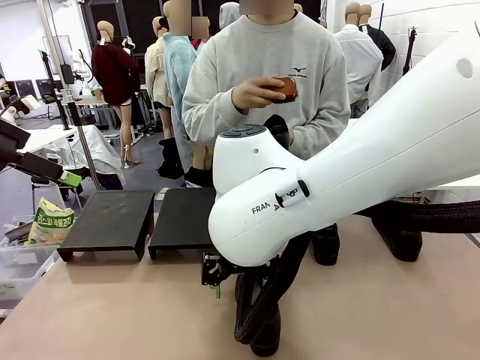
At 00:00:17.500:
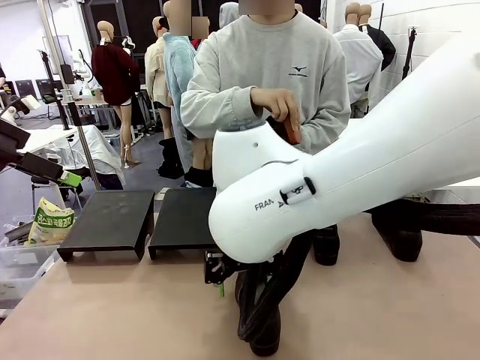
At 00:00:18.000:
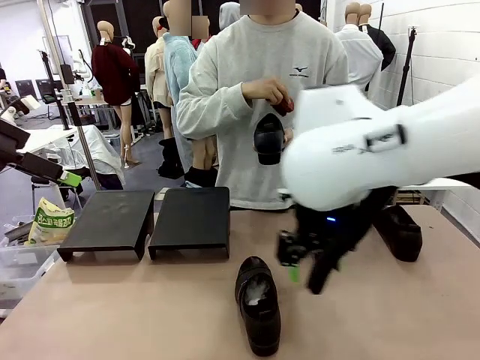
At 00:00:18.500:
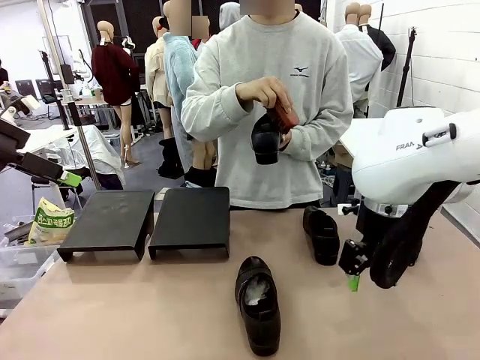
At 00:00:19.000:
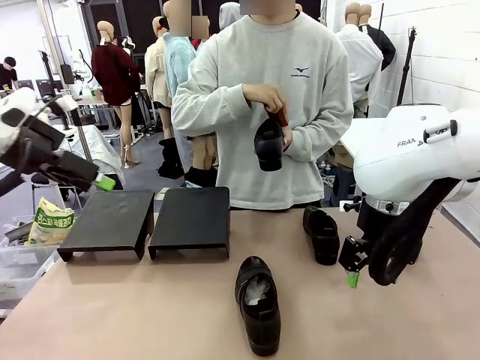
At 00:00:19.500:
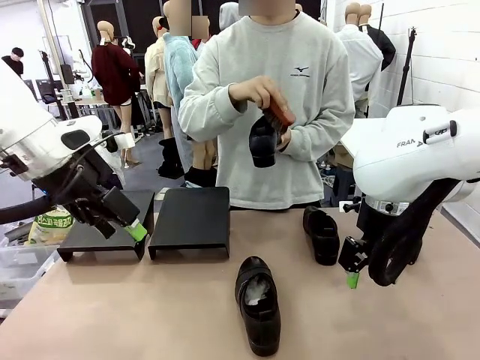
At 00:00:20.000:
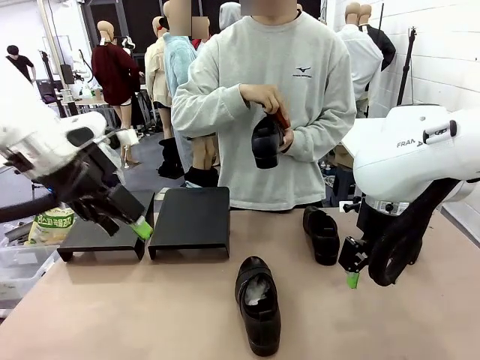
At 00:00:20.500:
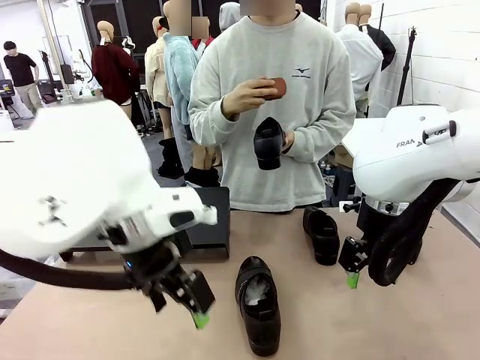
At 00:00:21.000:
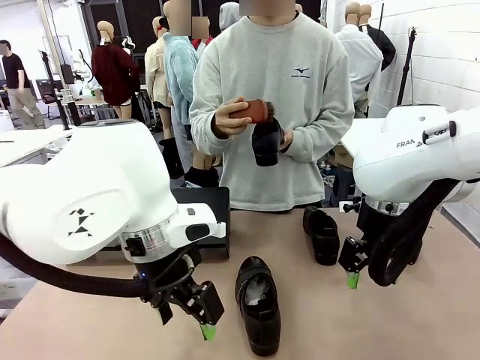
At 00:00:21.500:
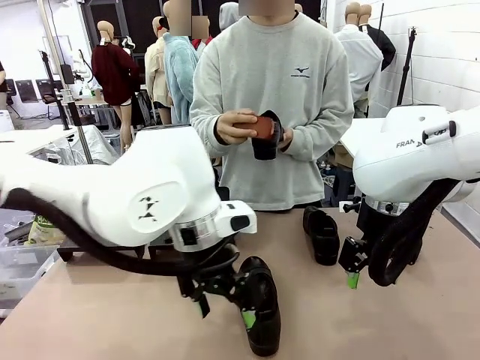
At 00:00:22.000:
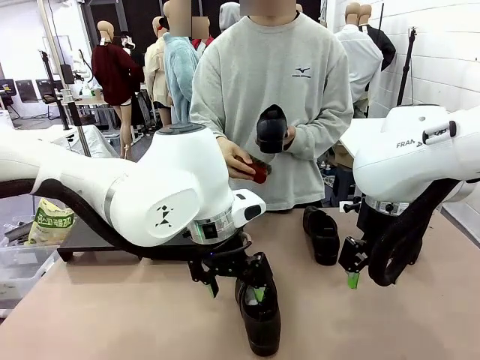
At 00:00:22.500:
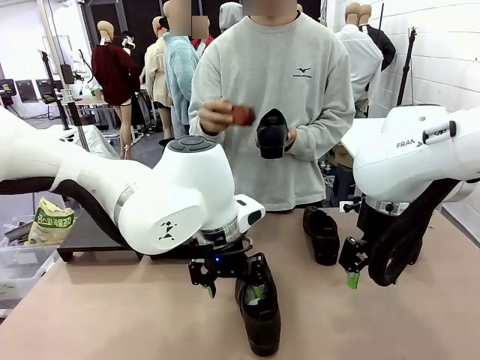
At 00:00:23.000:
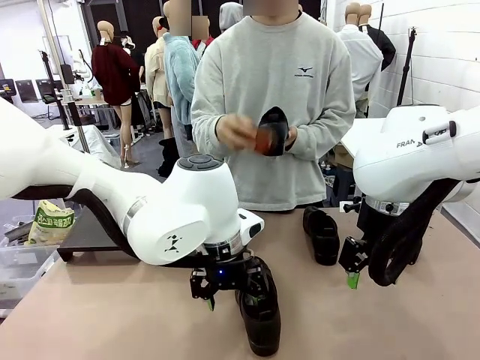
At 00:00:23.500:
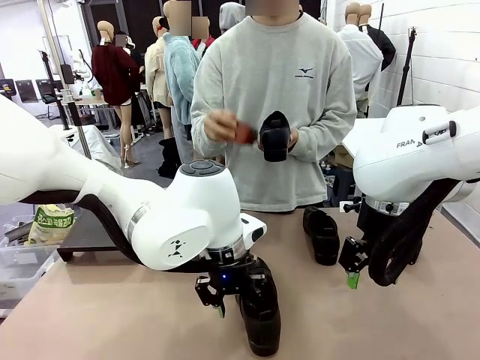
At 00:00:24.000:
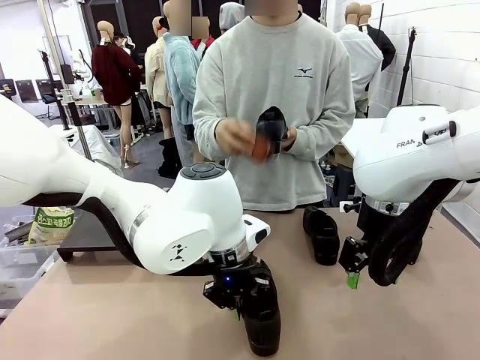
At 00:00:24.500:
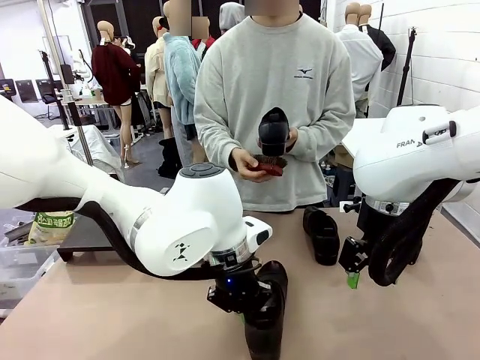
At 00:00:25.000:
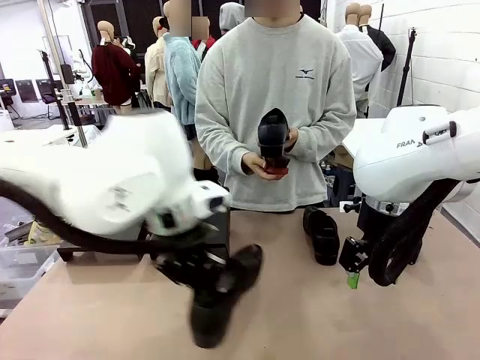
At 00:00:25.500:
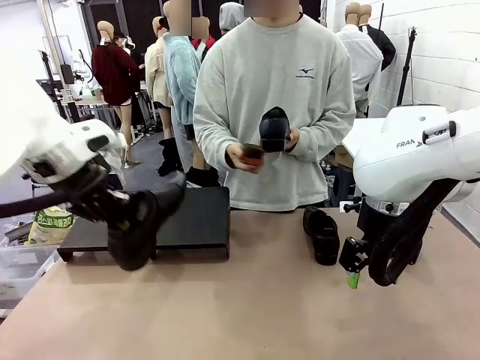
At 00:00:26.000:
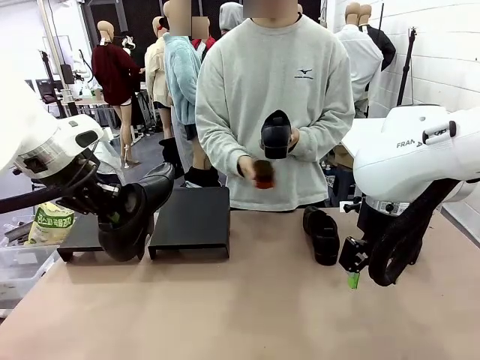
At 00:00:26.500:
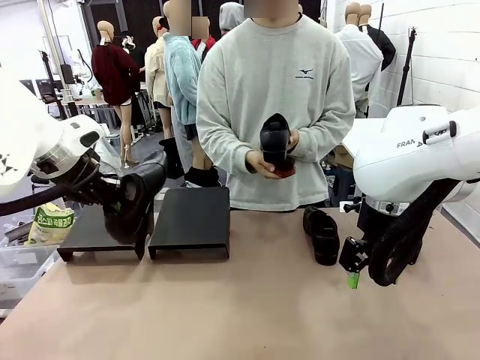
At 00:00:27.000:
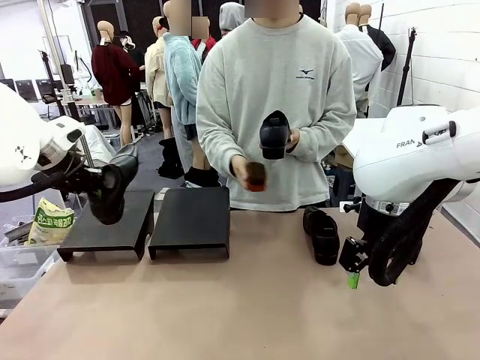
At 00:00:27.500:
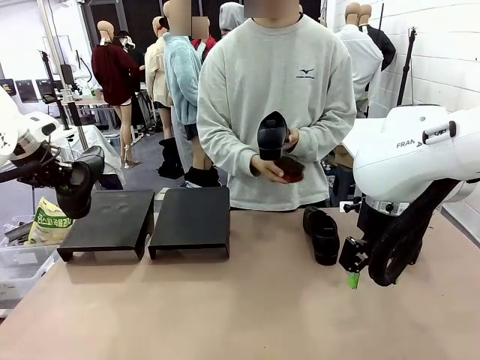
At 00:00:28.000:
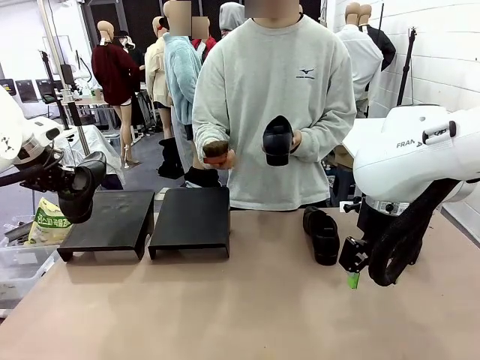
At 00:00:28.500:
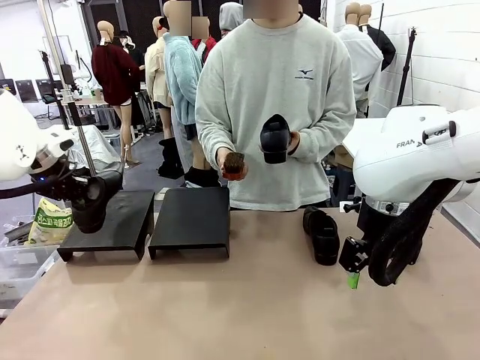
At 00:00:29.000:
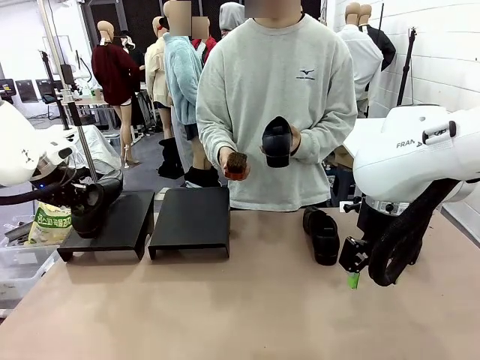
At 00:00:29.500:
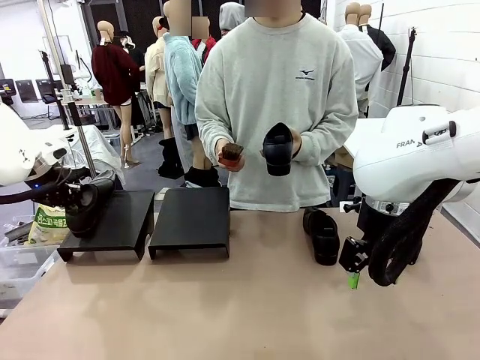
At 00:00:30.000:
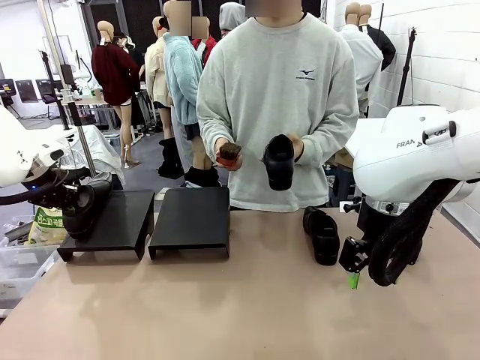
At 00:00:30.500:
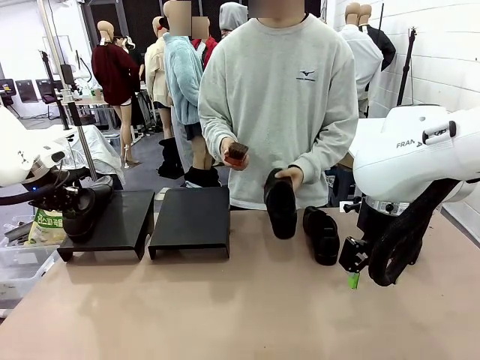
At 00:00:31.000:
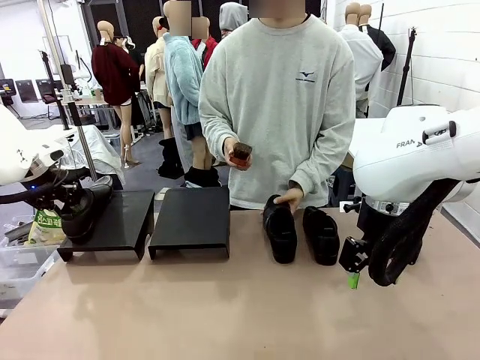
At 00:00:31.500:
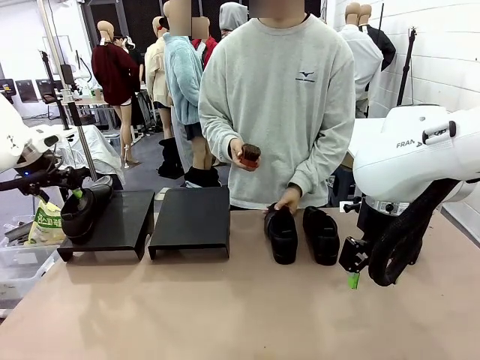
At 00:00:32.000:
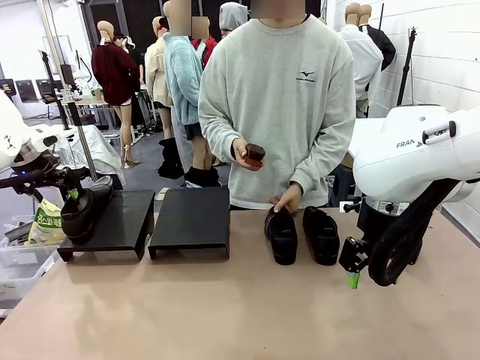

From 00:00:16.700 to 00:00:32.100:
Task: Organize the shoes by placing them on the stand.
Robot: Place the Shoe from the middle of the table onto the Shoes Stand.
Person: Clean the Shoe with the Shoe Brush. Place the Shoe on left side of the Robot's table.

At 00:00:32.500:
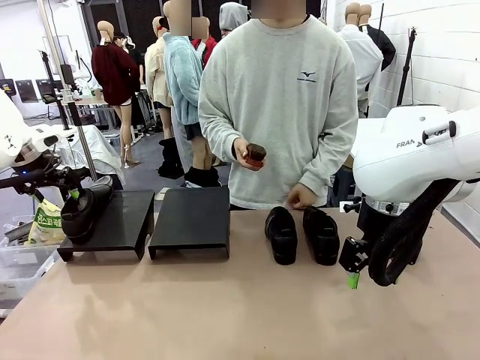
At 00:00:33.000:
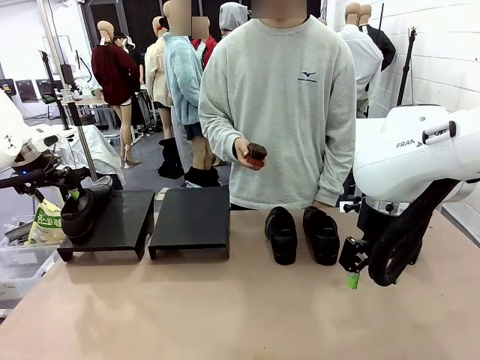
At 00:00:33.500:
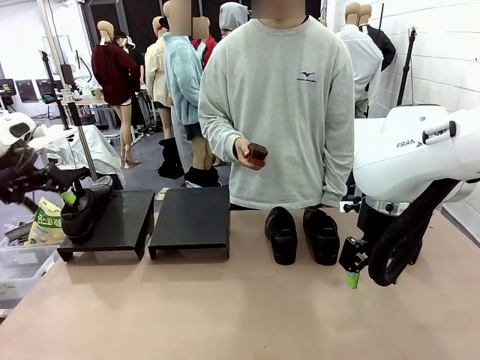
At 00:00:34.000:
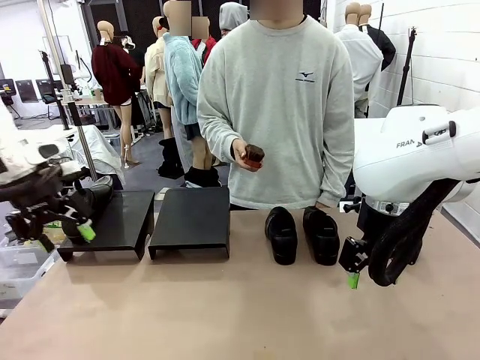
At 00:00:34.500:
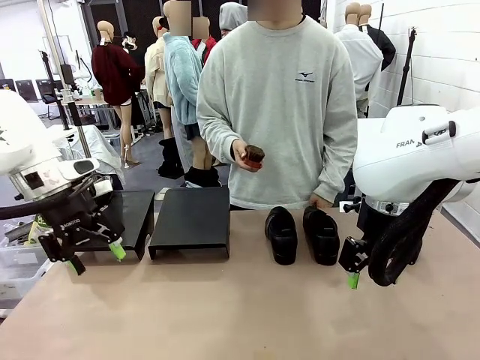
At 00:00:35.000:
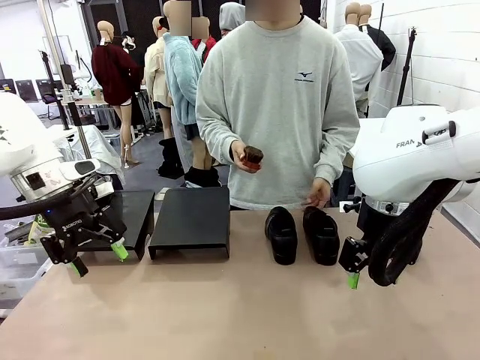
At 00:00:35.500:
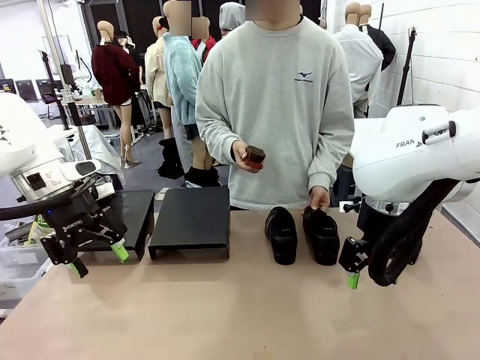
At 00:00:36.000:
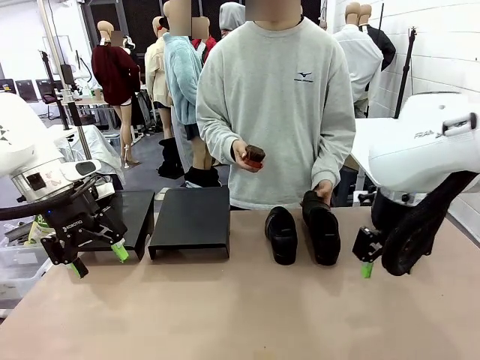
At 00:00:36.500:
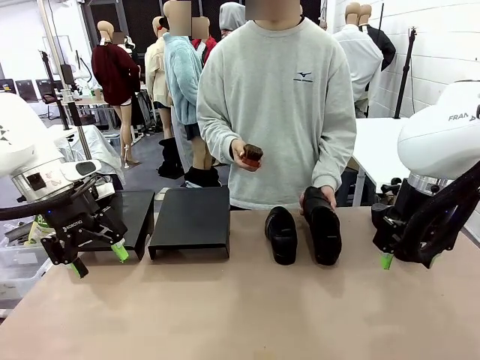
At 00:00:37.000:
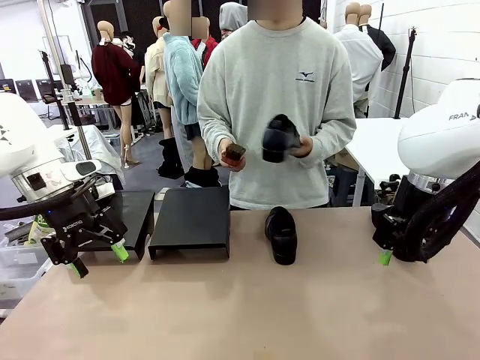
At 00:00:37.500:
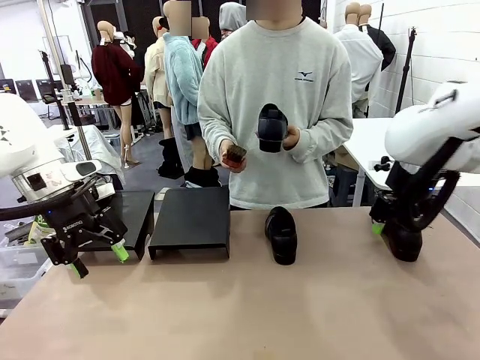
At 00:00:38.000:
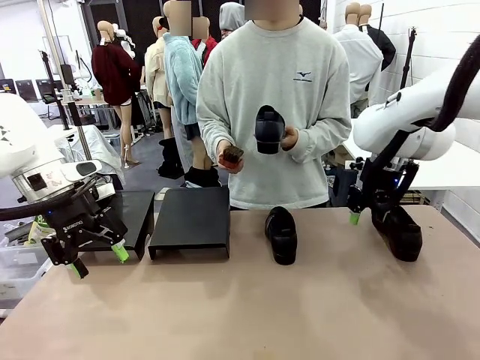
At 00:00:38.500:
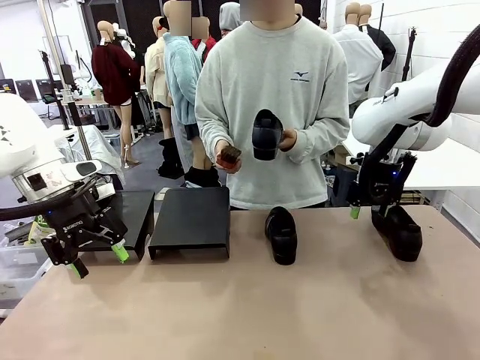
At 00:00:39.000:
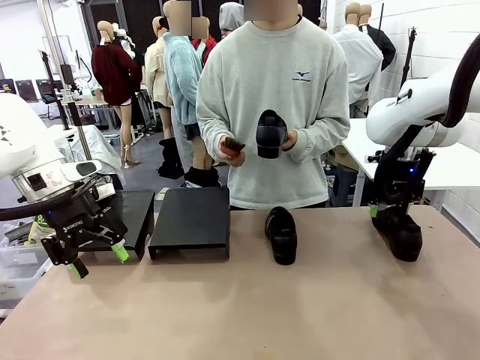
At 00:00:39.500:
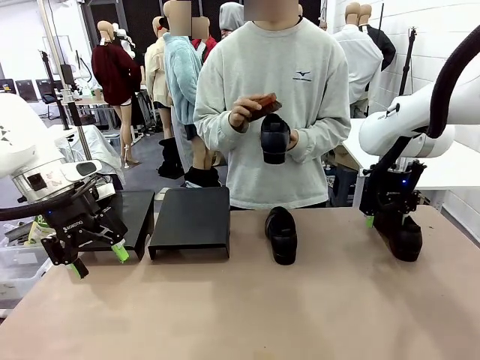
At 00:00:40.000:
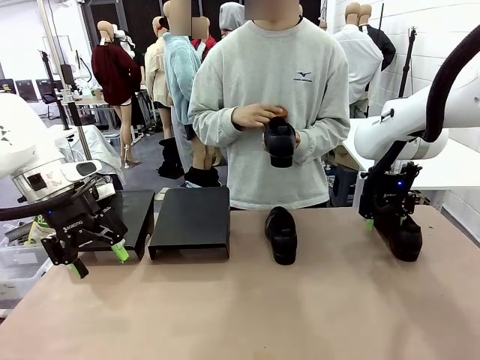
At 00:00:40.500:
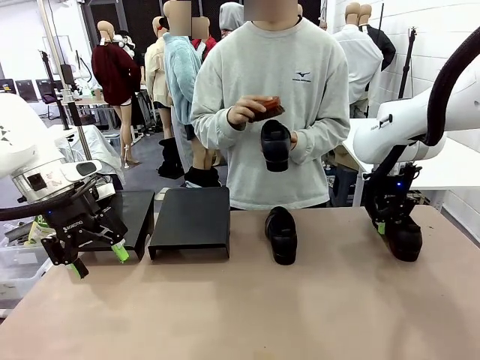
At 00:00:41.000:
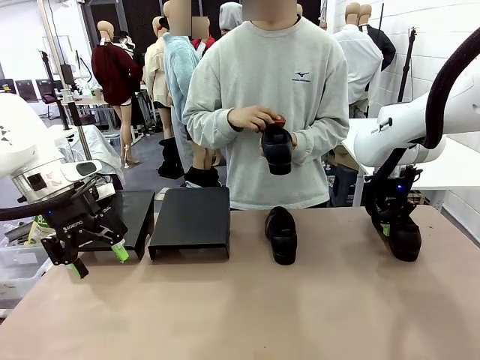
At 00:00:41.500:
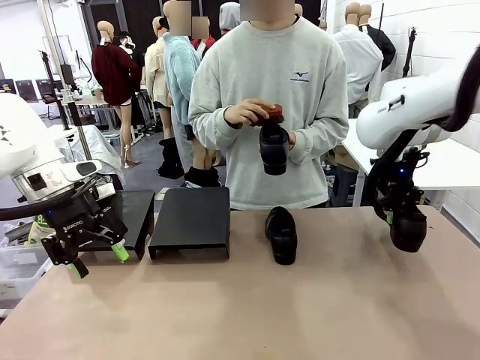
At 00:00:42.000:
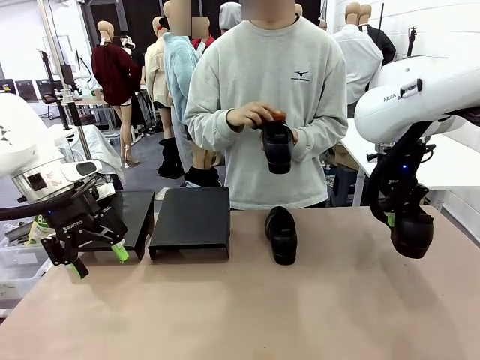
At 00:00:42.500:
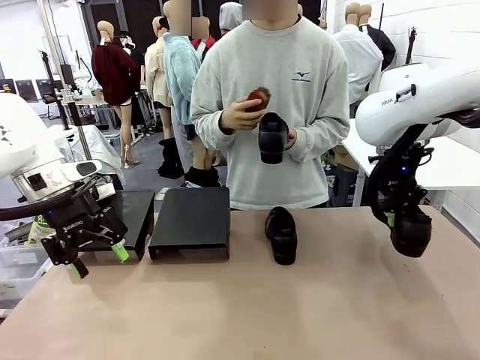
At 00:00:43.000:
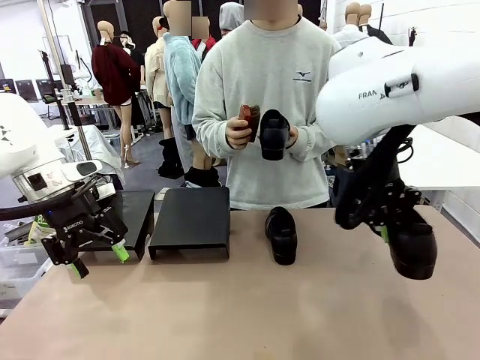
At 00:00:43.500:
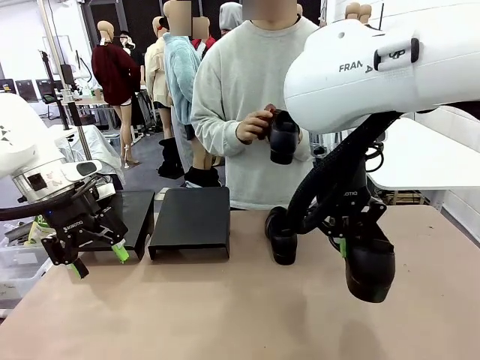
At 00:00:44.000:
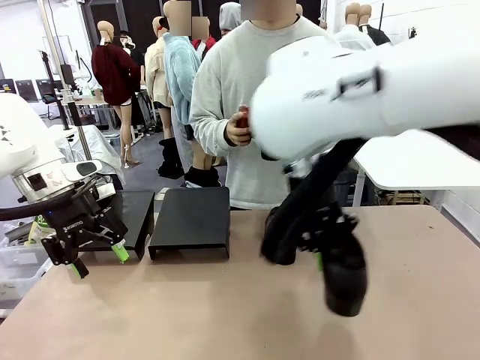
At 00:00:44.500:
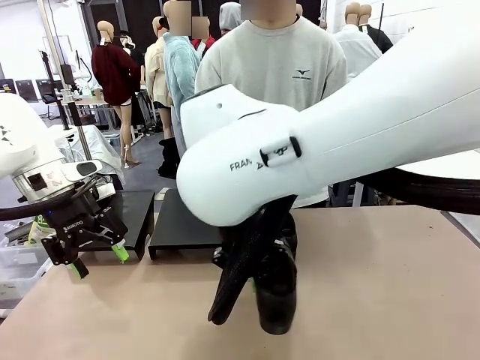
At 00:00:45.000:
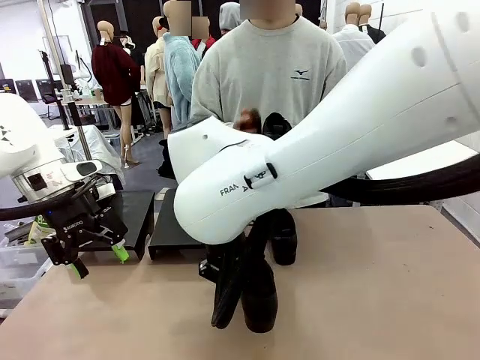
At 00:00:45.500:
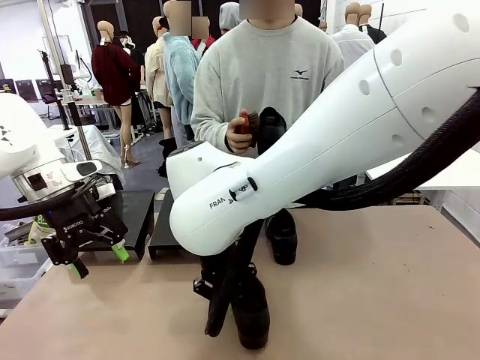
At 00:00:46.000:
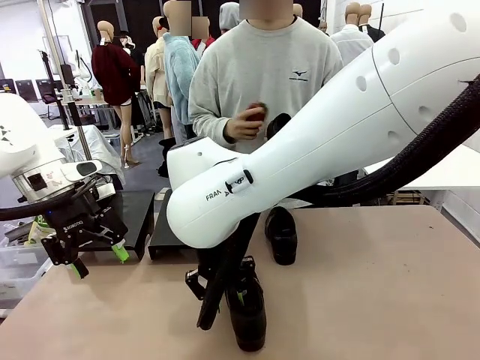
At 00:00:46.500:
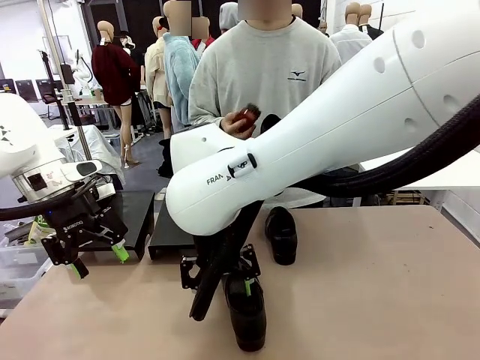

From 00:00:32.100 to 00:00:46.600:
Robot: Pick up one Shoe and place it in the middle of the table.
Person: Pick one Shoe on Robot's table.
